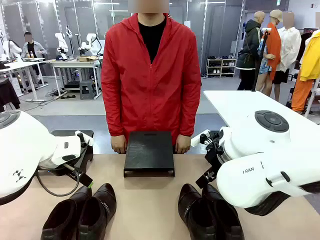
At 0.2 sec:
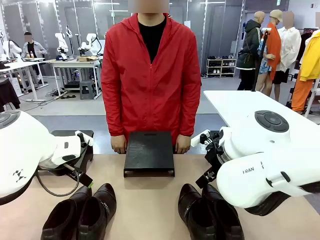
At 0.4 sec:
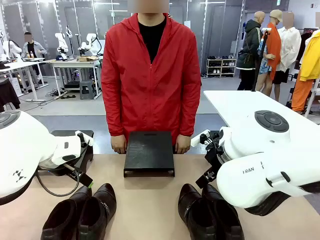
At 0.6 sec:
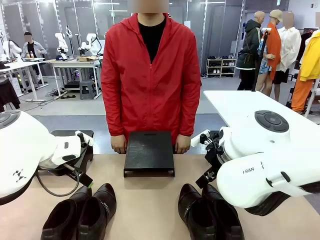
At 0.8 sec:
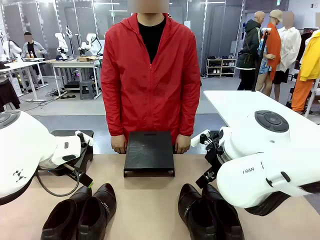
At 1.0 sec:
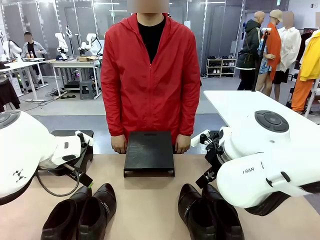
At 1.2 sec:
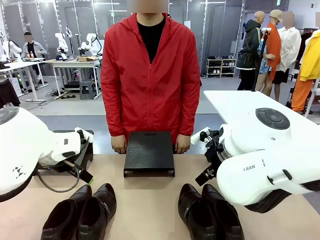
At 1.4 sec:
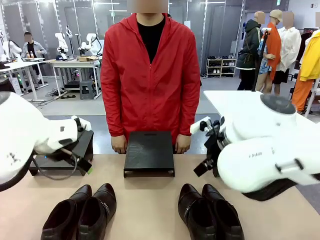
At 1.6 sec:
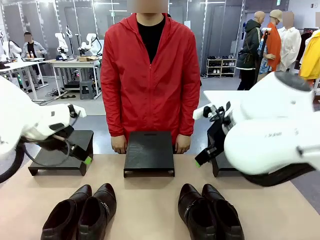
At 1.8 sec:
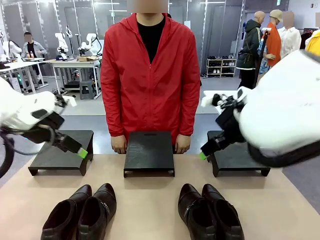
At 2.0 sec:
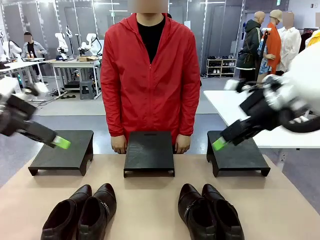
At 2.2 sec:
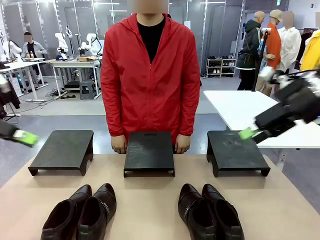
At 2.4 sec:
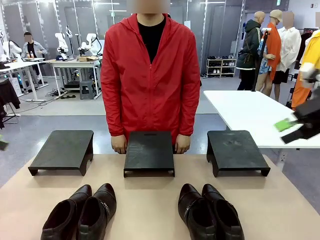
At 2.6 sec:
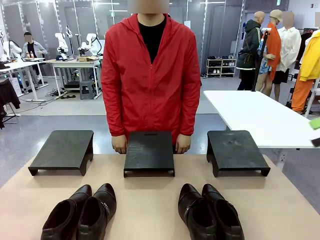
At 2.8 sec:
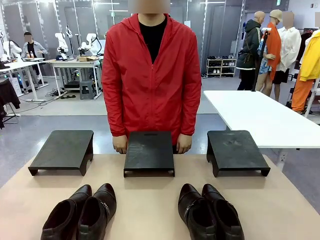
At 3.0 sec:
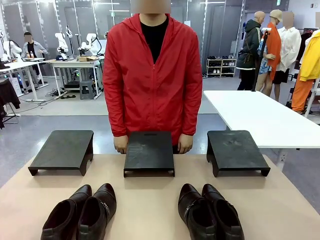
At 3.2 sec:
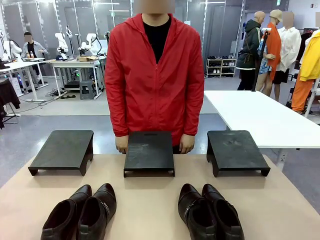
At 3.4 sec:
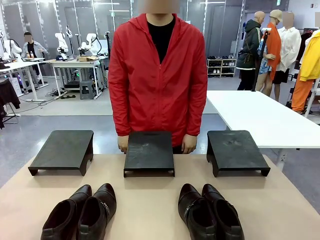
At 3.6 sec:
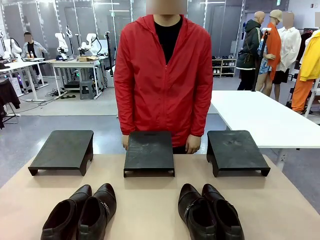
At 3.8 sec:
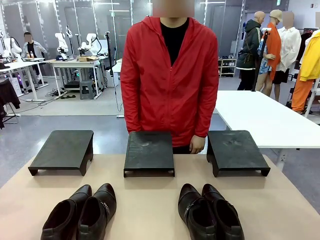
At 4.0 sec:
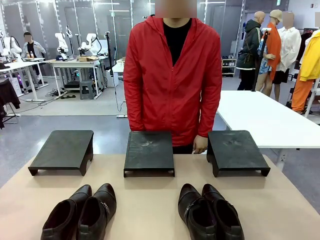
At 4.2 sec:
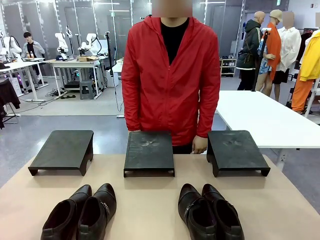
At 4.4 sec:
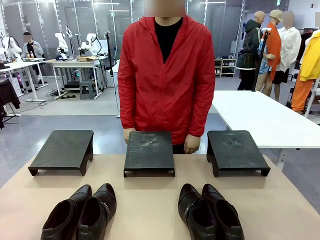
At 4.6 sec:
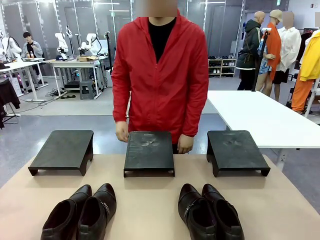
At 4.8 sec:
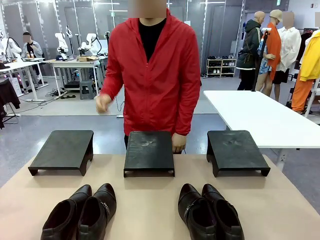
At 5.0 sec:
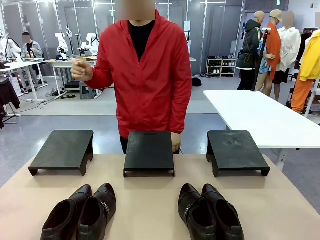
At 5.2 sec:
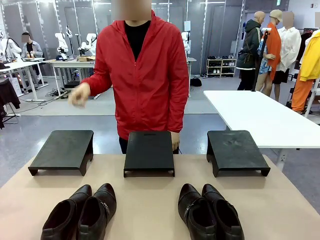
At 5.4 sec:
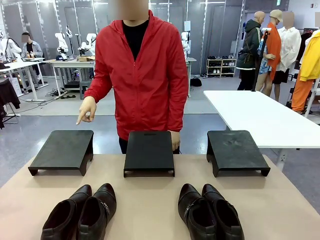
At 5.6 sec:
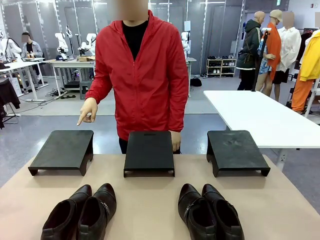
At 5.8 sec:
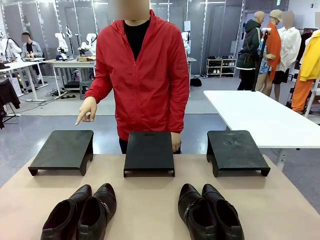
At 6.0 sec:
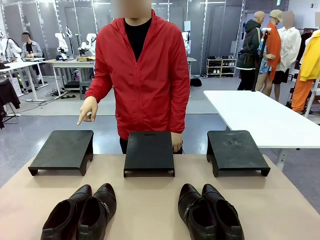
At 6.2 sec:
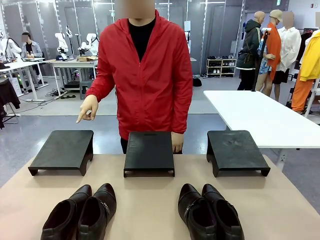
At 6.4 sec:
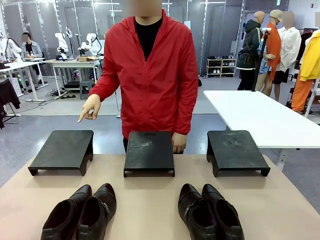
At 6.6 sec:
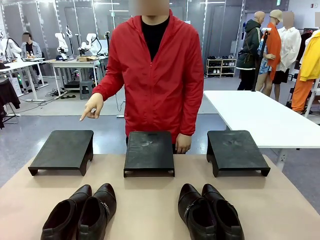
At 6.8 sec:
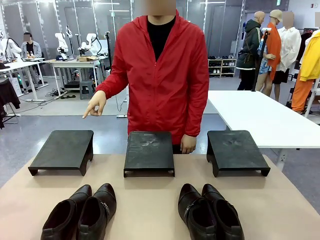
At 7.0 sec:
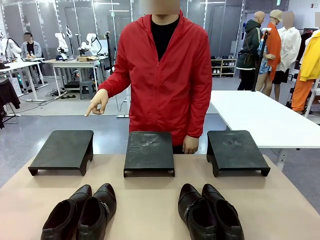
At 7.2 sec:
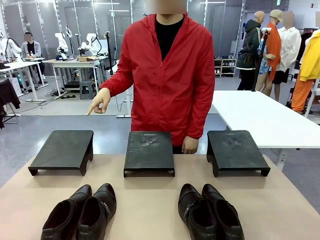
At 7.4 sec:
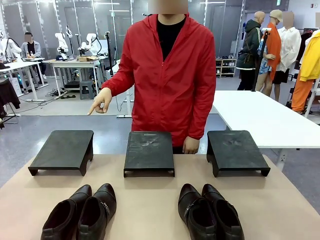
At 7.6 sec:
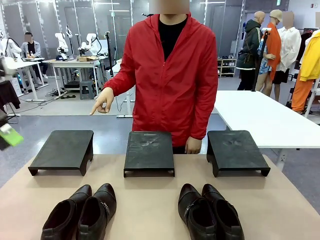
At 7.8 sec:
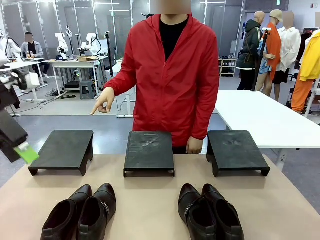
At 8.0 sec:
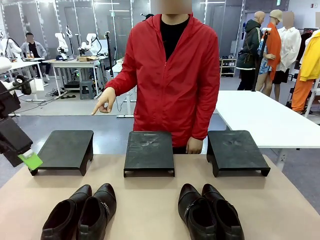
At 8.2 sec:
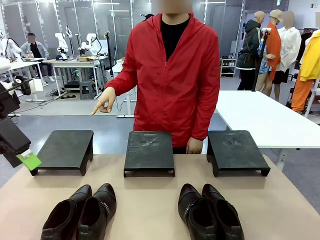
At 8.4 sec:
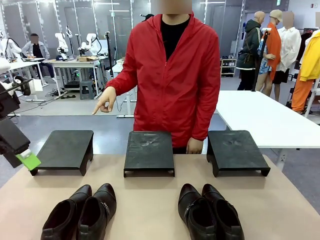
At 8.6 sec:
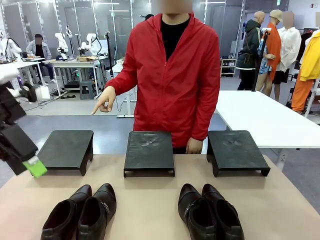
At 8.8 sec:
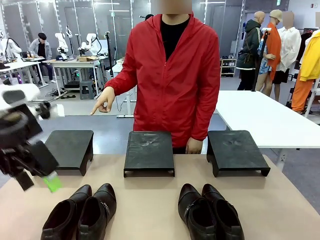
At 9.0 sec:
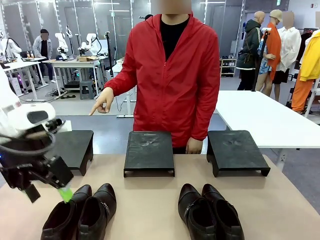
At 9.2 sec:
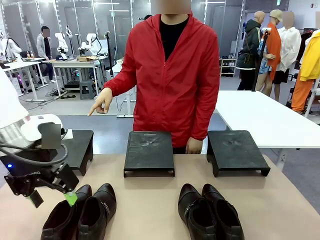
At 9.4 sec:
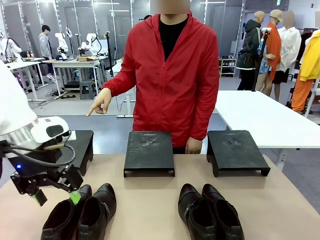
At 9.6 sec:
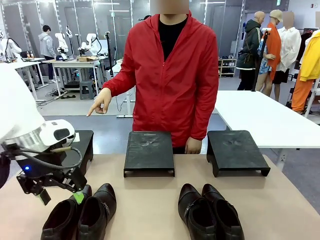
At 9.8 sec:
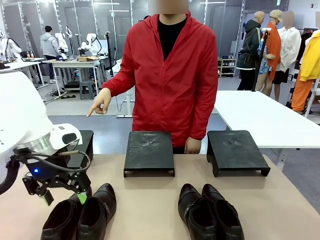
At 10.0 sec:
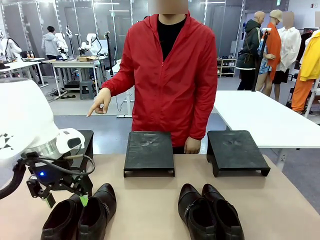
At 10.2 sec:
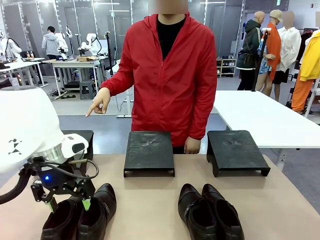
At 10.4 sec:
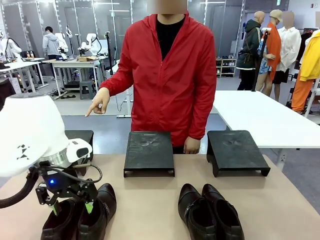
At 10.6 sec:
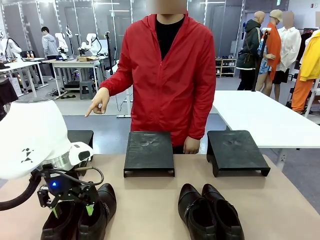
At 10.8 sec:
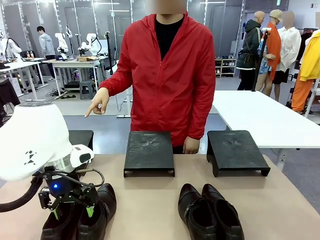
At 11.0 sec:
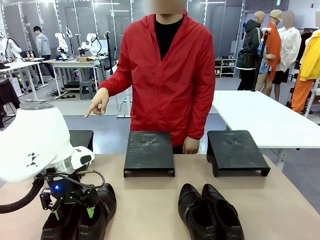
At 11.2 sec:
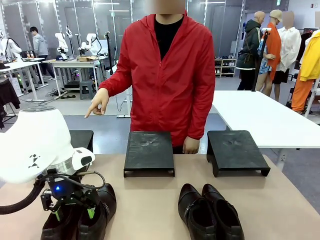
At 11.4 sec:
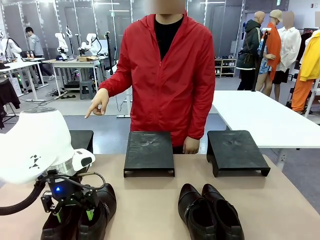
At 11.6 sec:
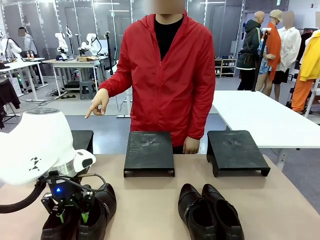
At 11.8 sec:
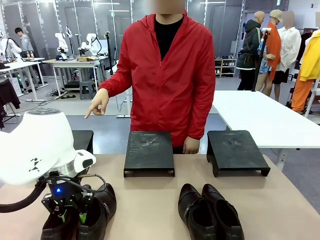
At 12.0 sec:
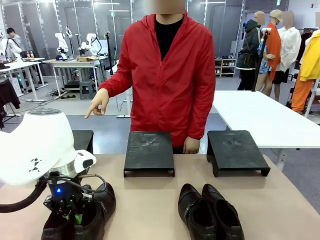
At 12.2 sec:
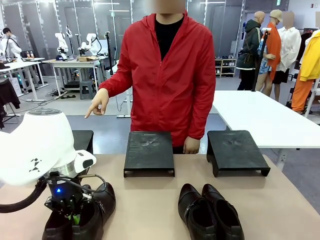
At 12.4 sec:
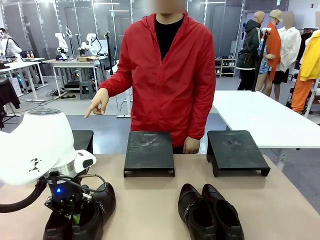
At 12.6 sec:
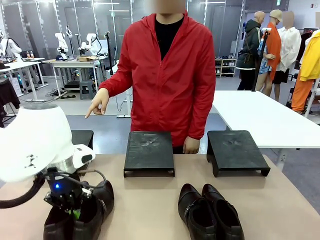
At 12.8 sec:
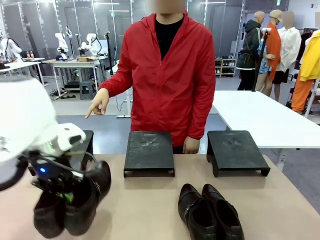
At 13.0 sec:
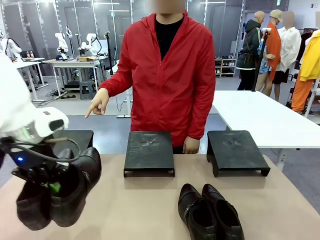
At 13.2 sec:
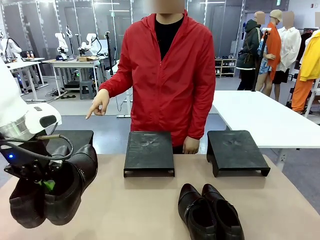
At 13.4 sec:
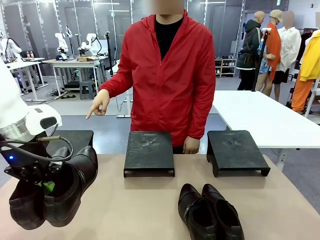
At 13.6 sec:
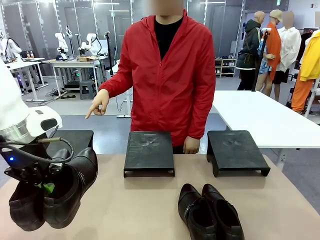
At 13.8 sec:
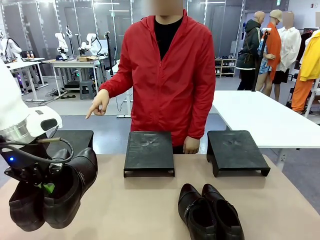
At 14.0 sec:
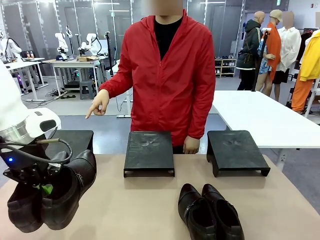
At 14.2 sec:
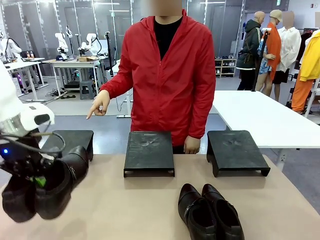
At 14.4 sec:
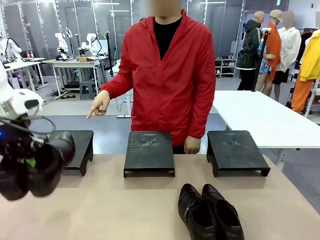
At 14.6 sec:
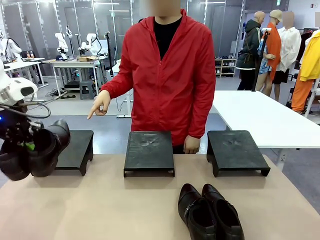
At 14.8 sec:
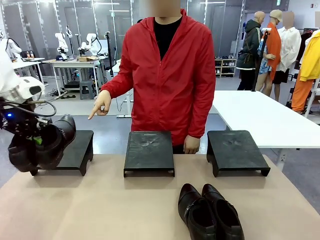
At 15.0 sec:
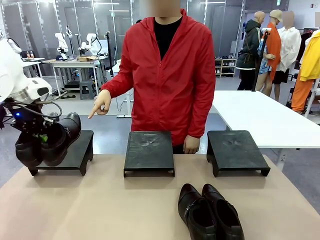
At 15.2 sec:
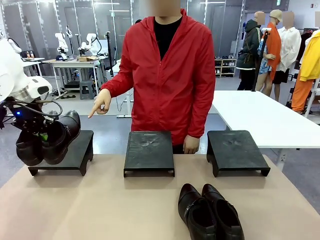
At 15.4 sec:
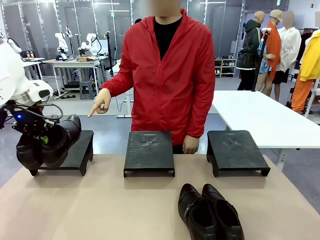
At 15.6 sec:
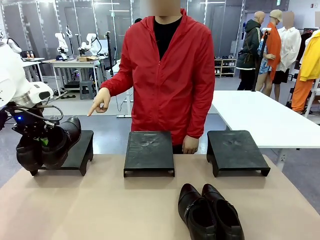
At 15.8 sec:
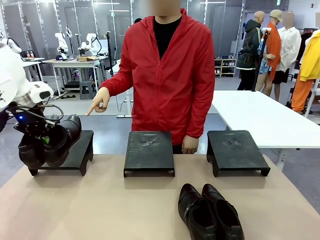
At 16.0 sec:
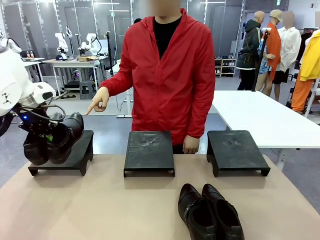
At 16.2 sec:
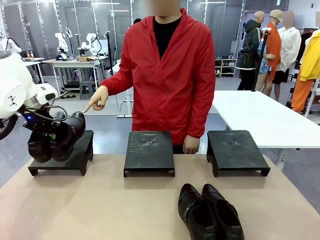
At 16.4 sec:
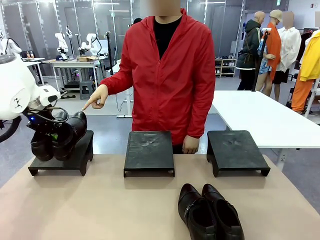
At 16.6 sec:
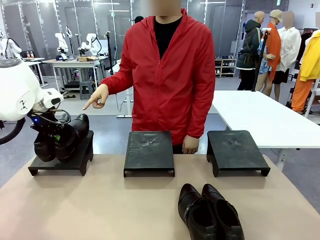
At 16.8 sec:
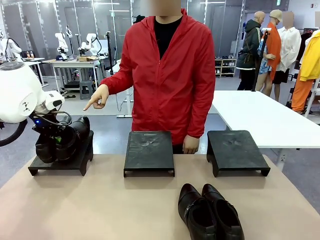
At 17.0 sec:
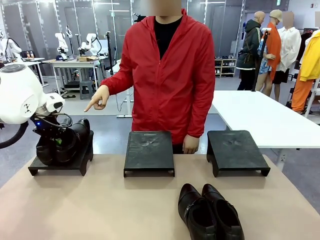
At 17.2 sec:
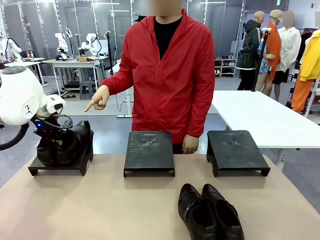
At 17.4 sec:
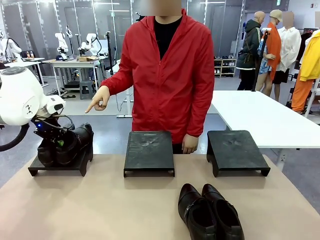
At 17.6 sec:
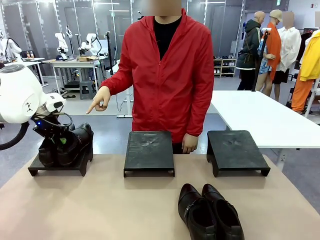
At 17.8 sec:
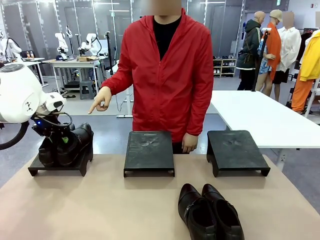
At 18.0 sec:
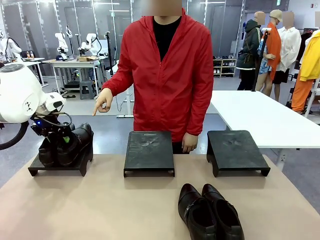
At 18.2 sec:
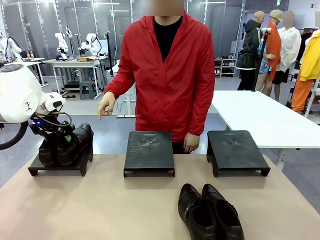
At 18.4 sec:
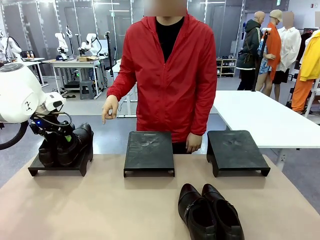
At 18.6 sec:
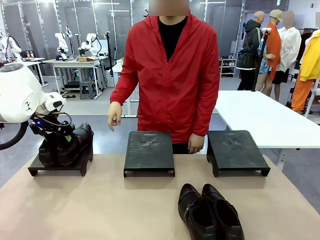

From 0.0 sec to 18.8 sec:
Task: Place the shoes on the stand as instructed by the person.
Robot: Pick up one pair of Shoes and place it on the Shoes Stand indicated by the person.
